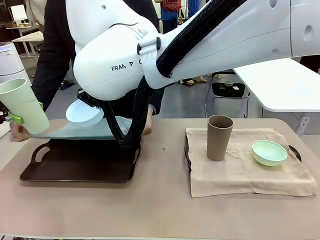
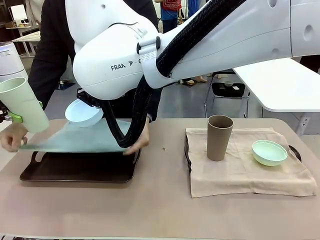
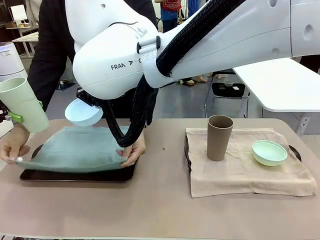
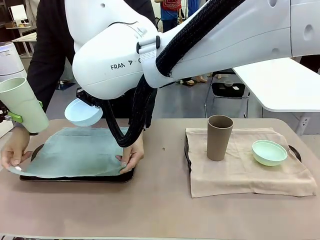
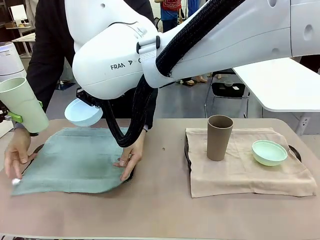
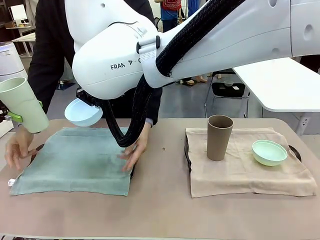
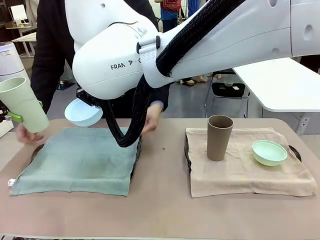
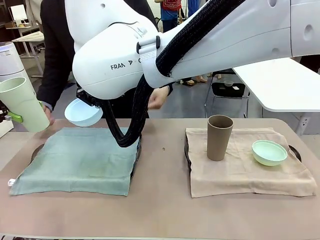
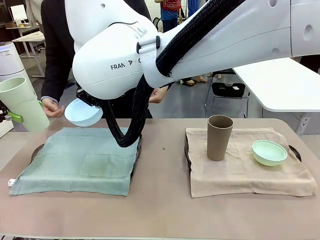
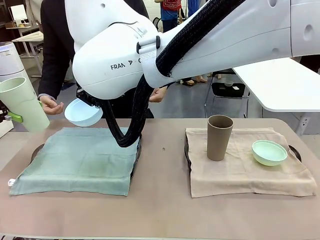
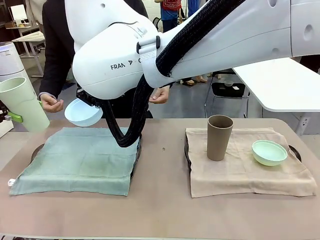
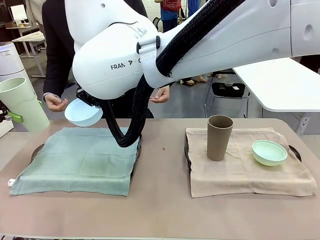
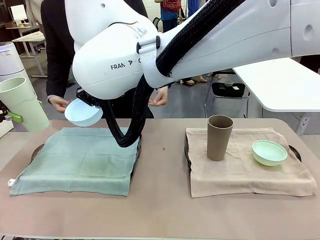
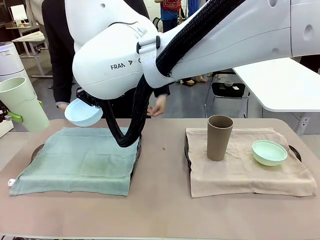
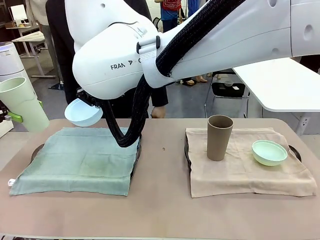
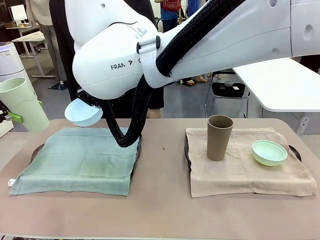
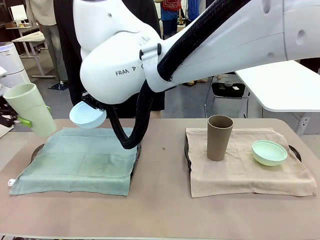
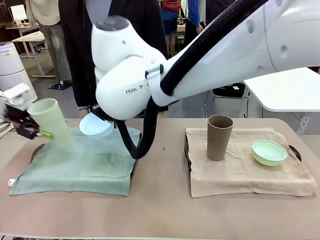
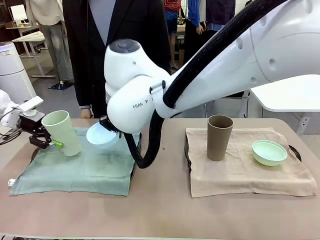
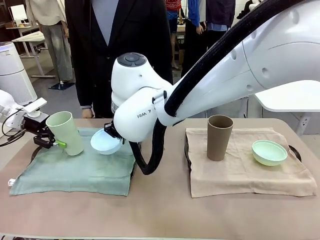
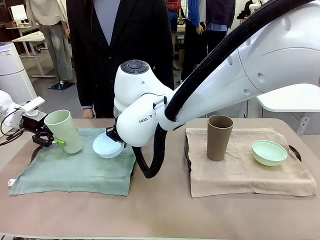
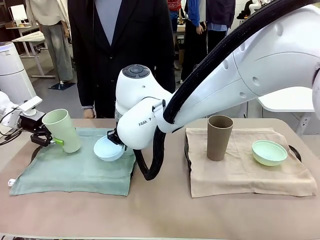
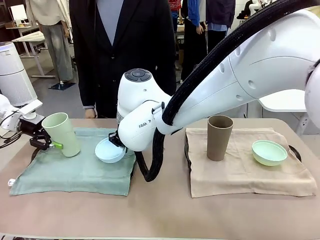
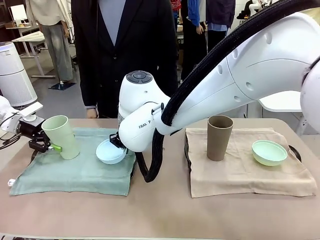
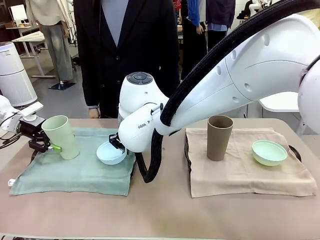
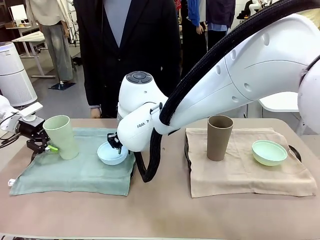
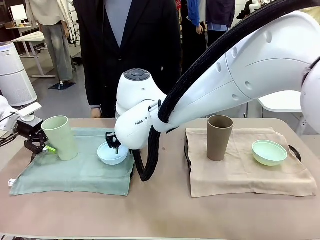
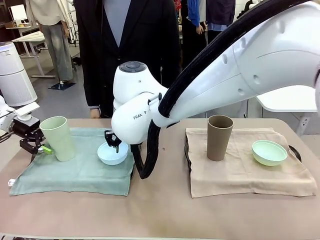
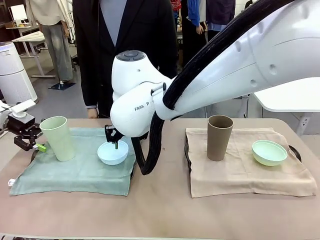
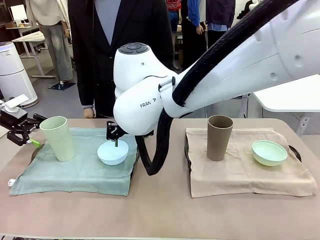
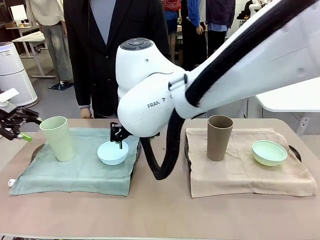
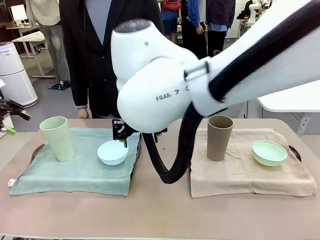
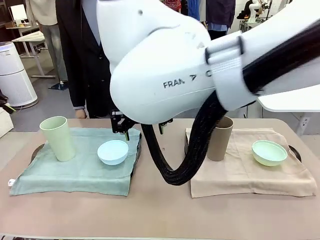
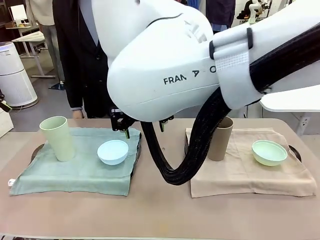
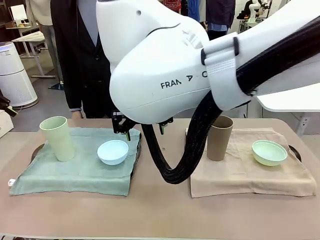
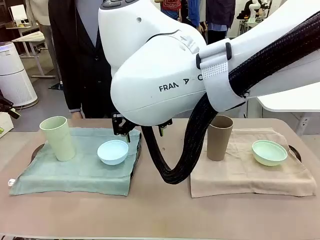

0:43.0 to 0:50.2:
Robot: Place the Picnic Bowl and Reusable plastic cup back onto the Handle tray in front of the human's position.

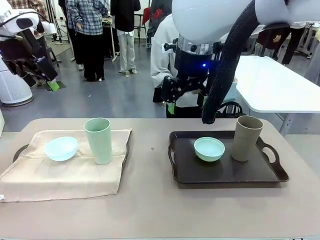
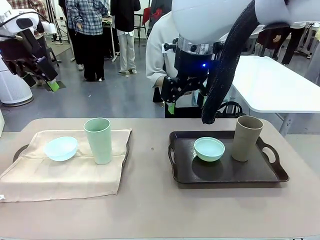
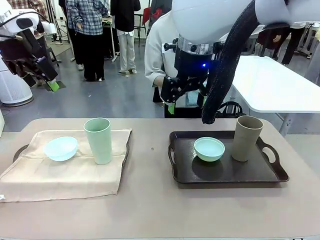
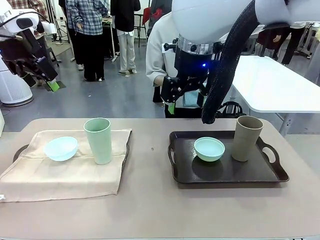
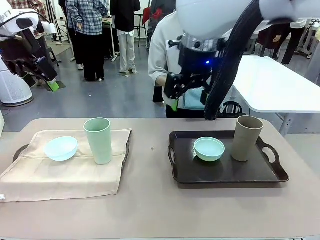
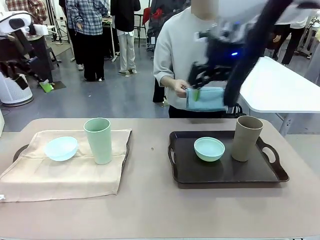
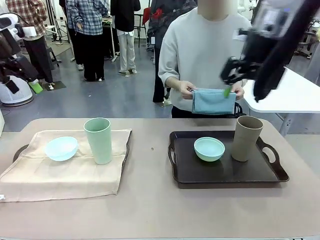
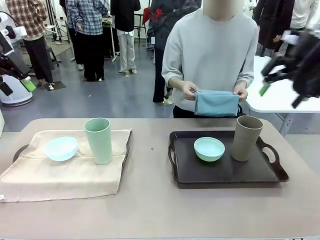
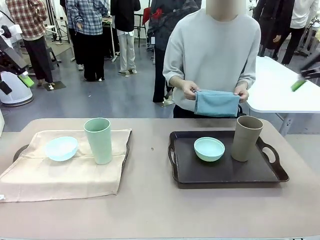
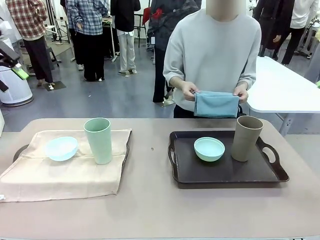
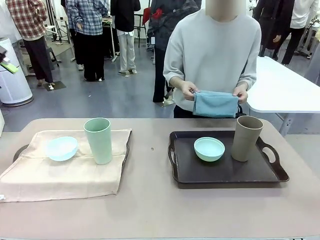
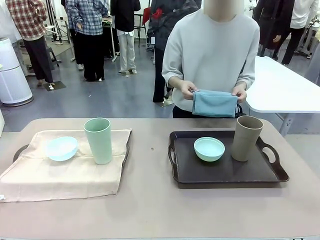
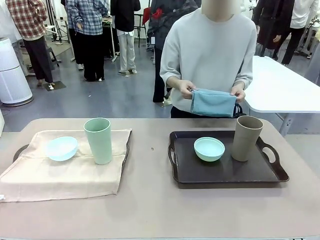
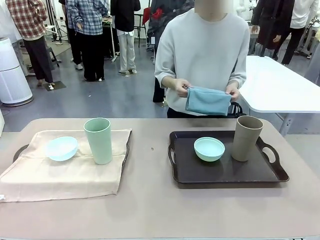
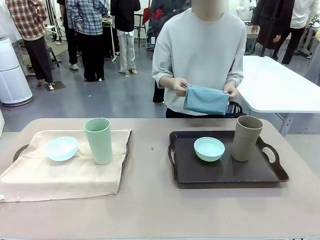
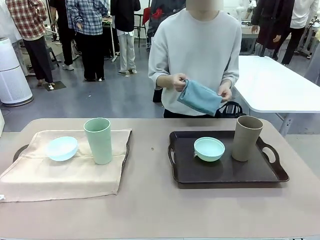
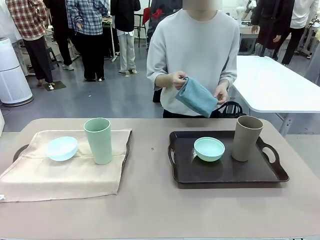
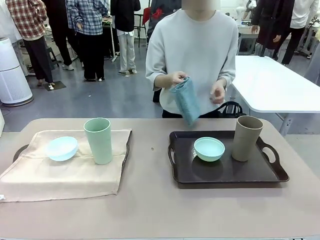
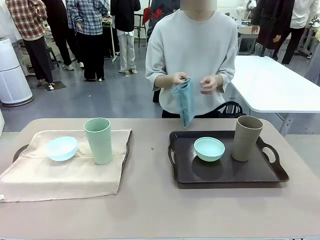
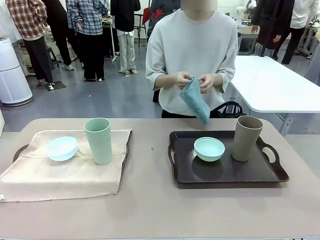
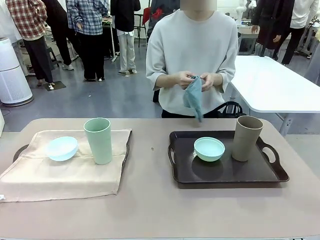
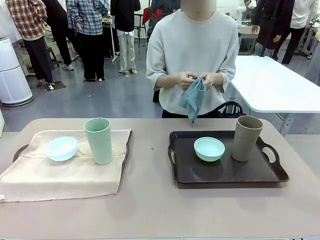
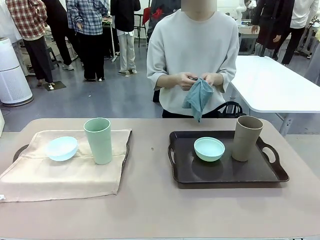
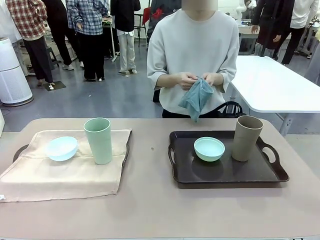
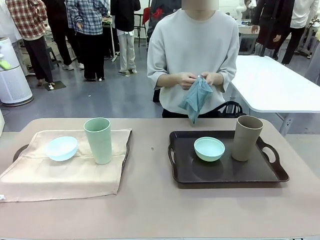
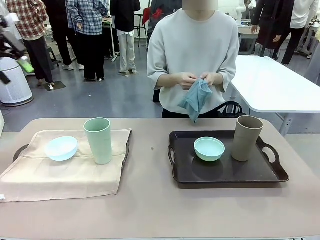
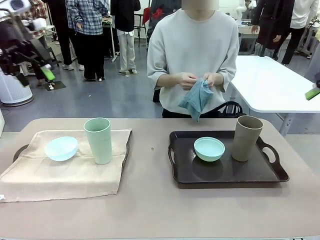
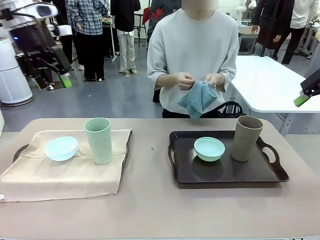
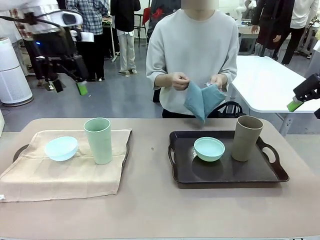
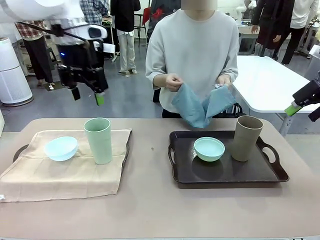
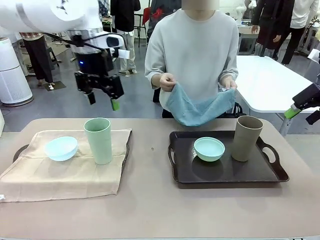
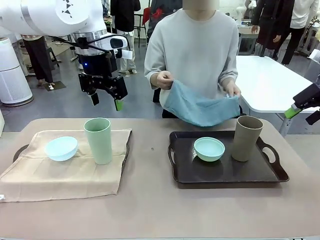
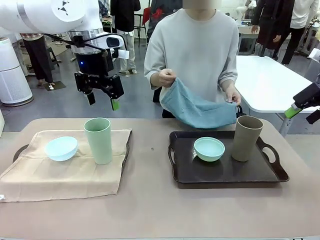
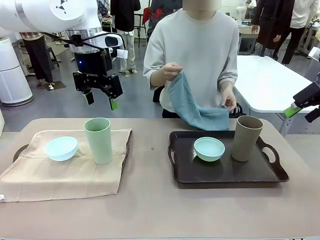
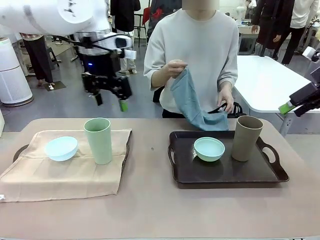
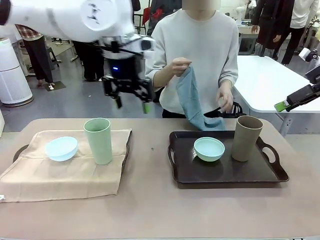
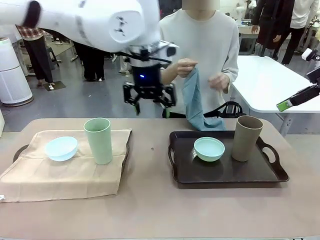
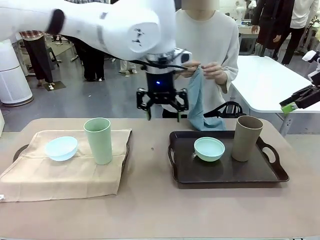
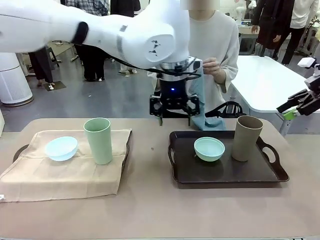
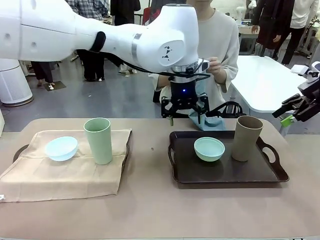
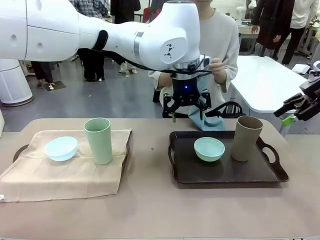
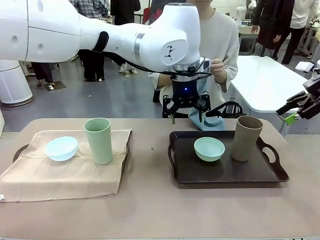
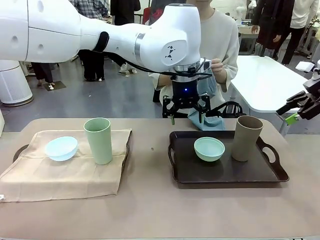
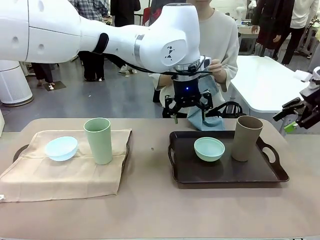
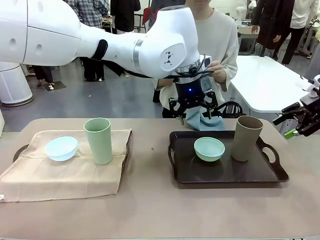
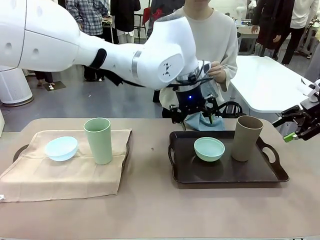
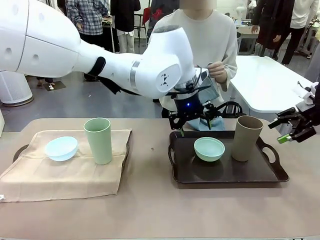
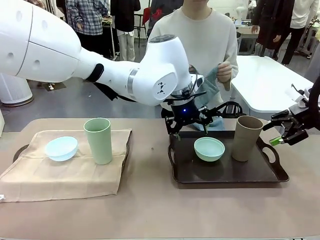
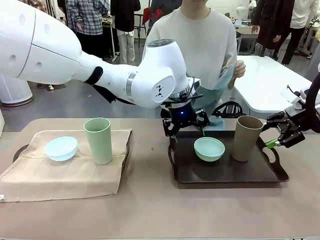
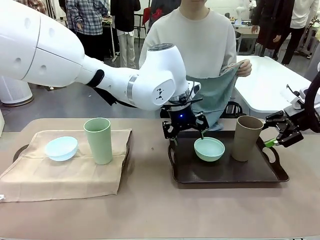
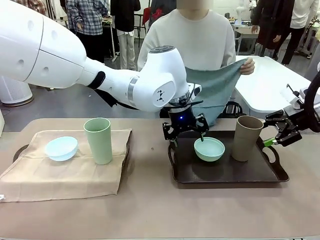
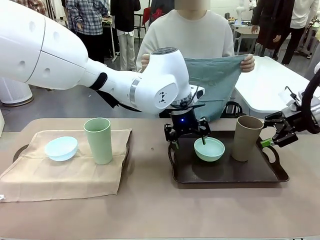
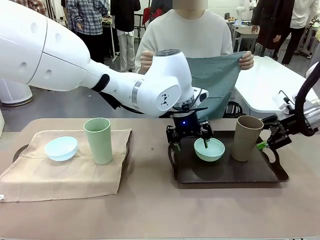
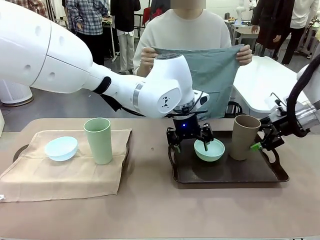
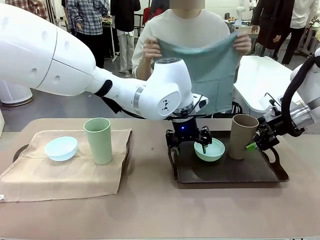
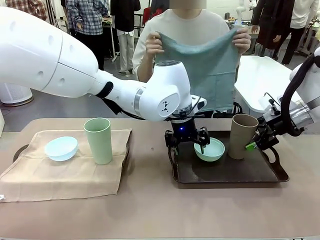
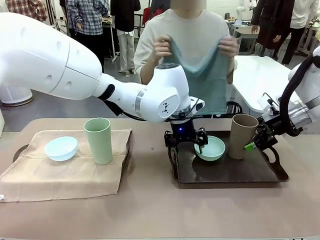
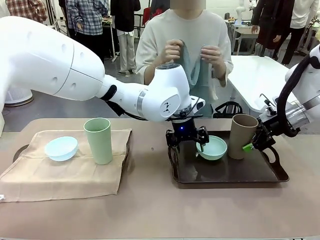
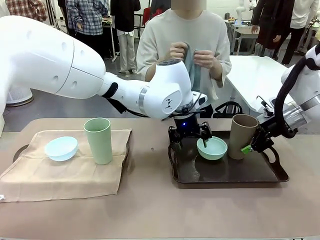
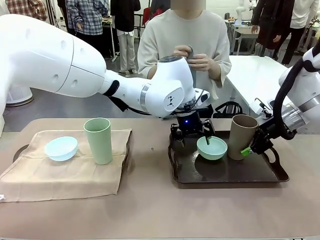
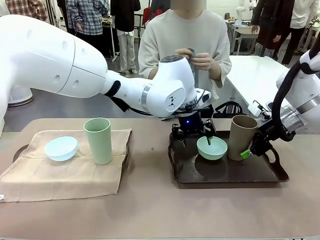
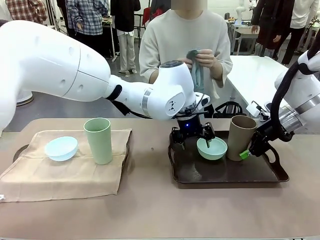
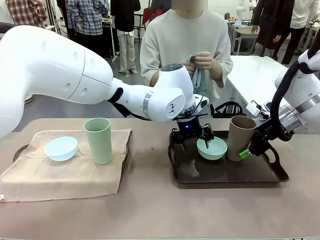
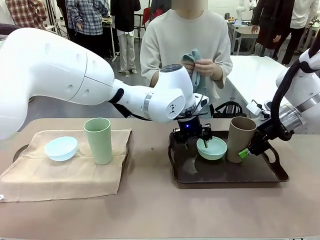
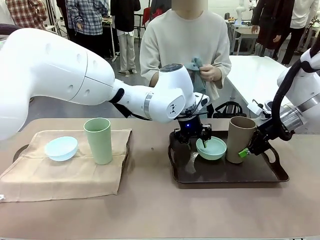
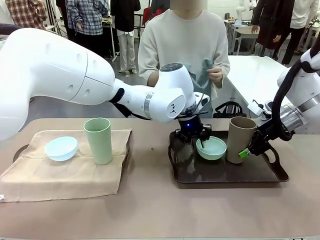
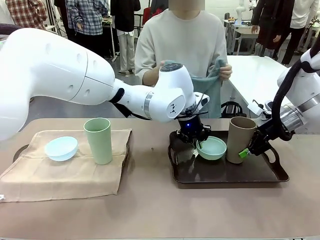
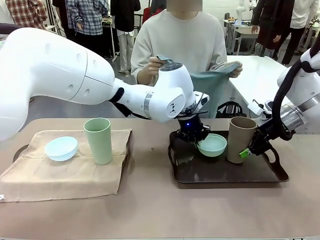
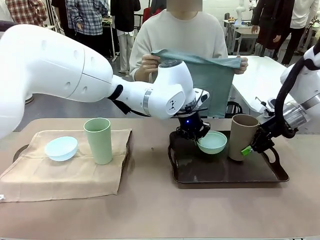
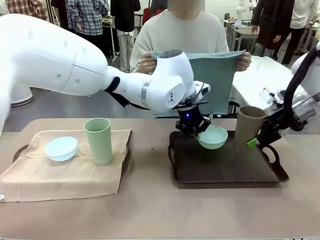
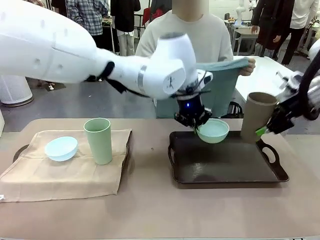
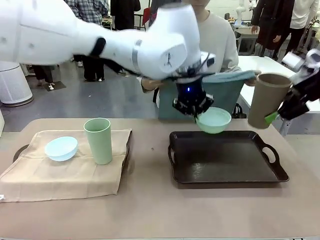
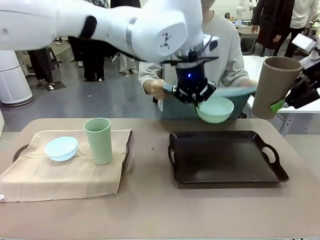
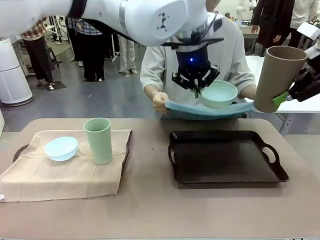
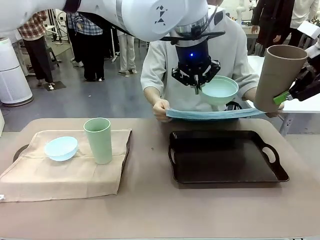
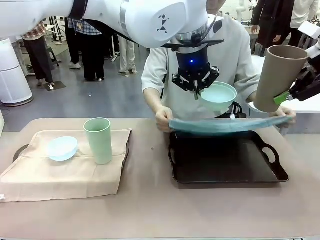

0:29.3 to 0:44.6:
Robot: Pick up the Picnic Bowl and Reusable plastic cup from the Handle tray in front of the human's position and hold them in the air.
Person: When the robot lifts the bowl and the cup, the human unfolds the napkin and lays the napkin flat on the tray.
